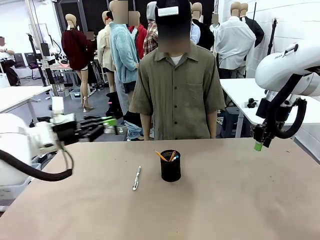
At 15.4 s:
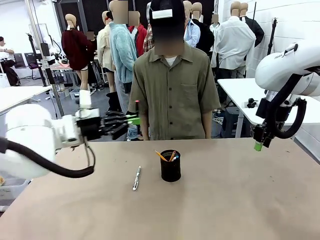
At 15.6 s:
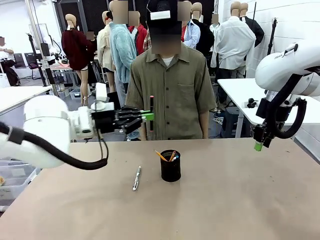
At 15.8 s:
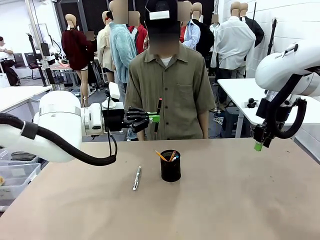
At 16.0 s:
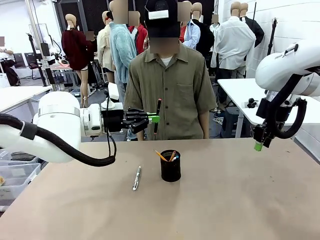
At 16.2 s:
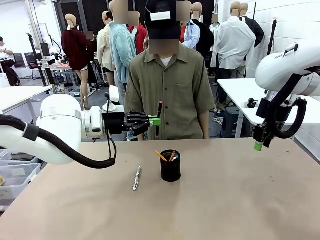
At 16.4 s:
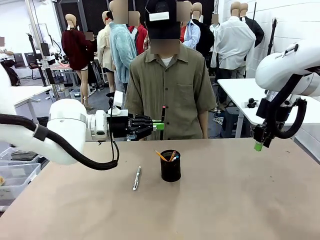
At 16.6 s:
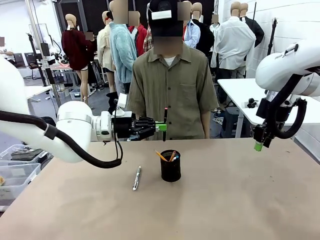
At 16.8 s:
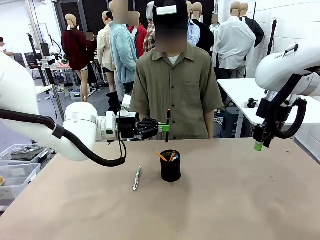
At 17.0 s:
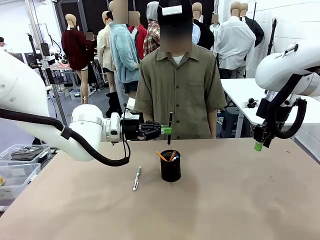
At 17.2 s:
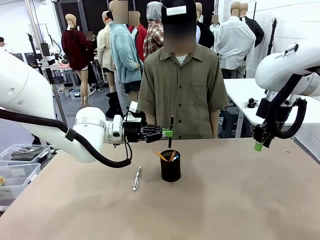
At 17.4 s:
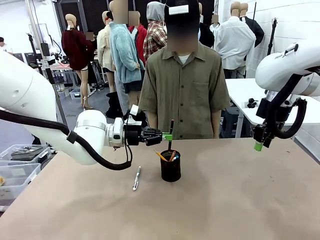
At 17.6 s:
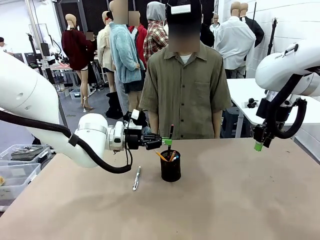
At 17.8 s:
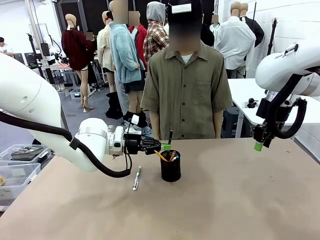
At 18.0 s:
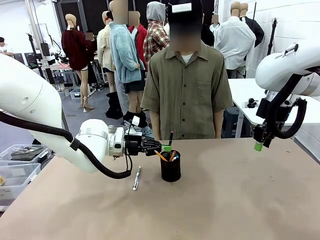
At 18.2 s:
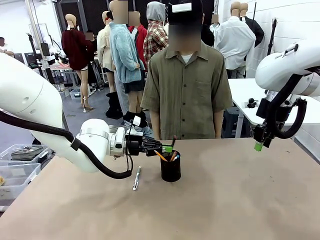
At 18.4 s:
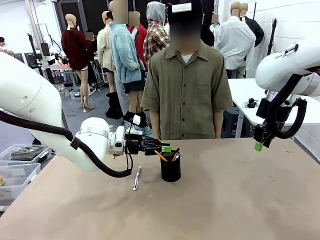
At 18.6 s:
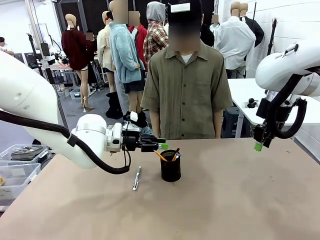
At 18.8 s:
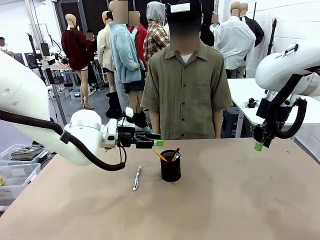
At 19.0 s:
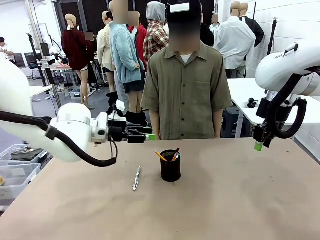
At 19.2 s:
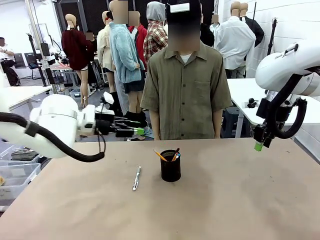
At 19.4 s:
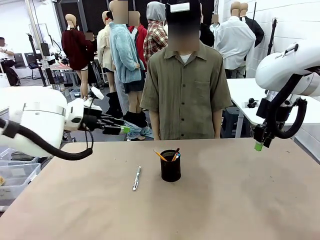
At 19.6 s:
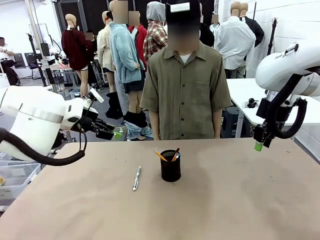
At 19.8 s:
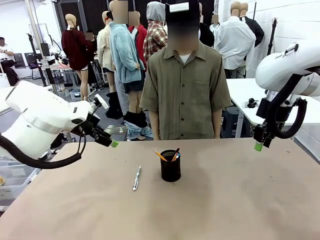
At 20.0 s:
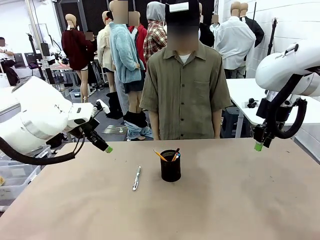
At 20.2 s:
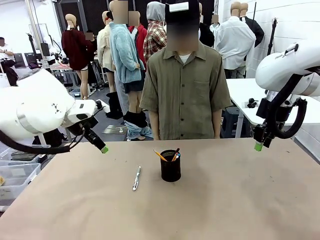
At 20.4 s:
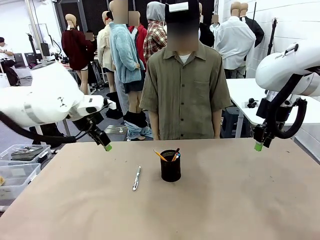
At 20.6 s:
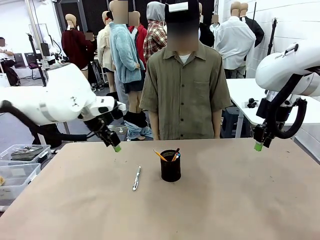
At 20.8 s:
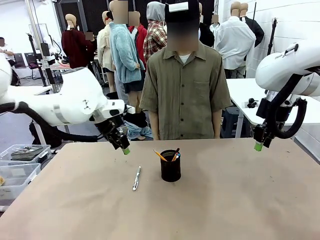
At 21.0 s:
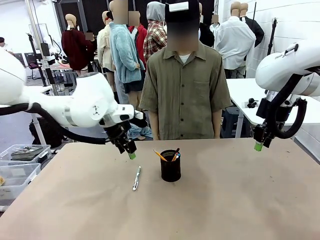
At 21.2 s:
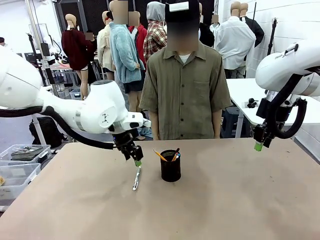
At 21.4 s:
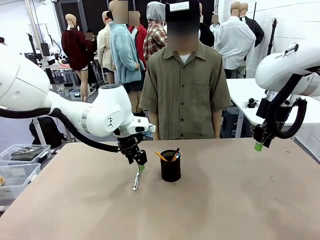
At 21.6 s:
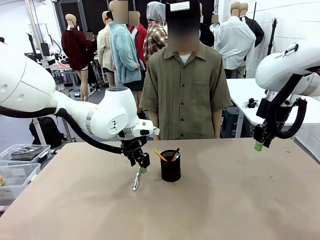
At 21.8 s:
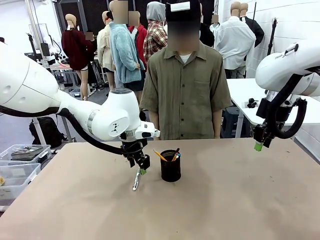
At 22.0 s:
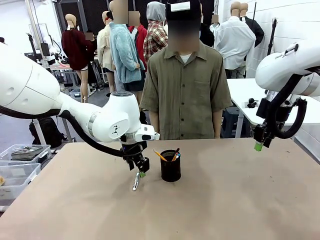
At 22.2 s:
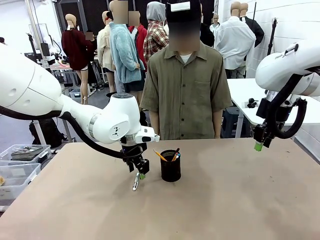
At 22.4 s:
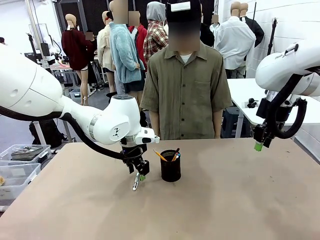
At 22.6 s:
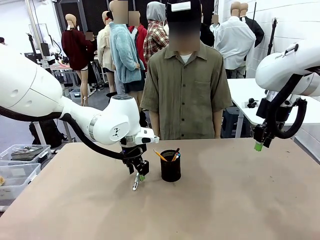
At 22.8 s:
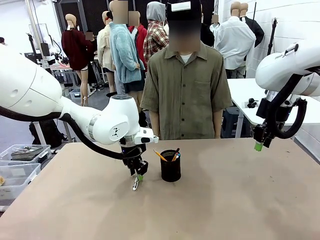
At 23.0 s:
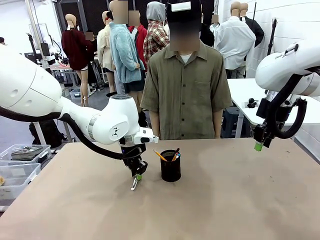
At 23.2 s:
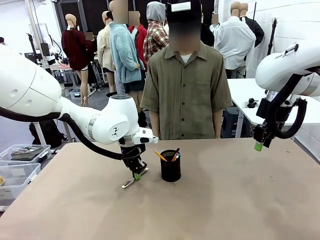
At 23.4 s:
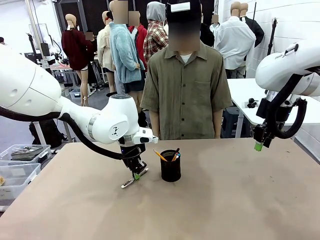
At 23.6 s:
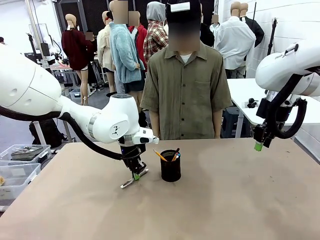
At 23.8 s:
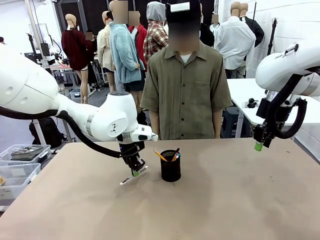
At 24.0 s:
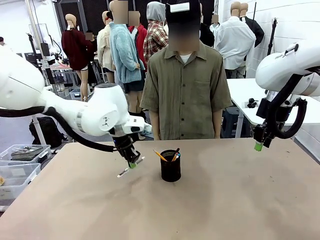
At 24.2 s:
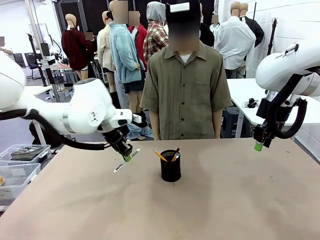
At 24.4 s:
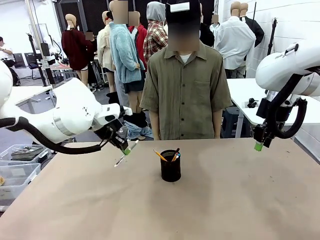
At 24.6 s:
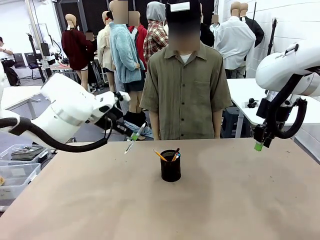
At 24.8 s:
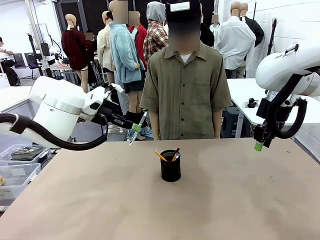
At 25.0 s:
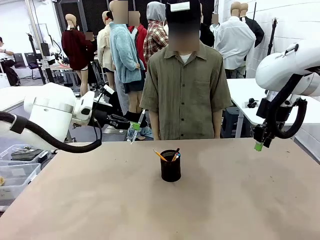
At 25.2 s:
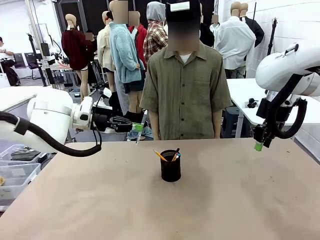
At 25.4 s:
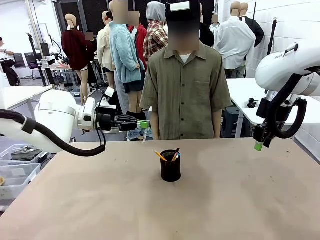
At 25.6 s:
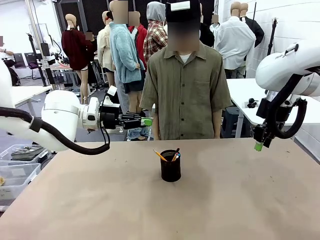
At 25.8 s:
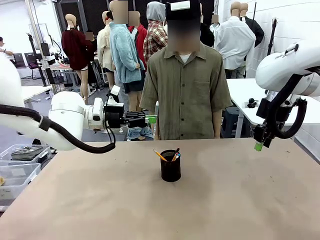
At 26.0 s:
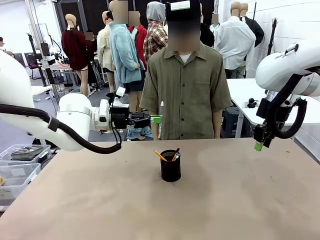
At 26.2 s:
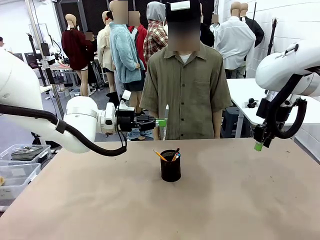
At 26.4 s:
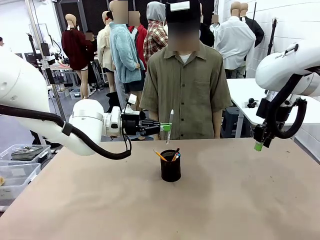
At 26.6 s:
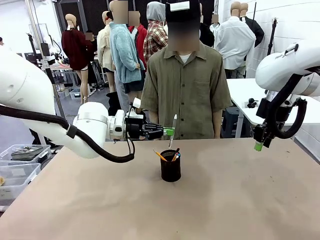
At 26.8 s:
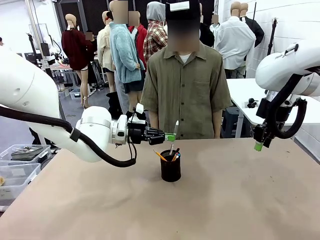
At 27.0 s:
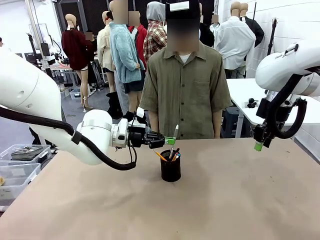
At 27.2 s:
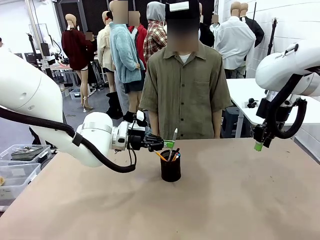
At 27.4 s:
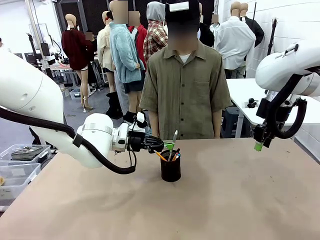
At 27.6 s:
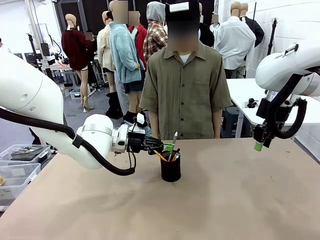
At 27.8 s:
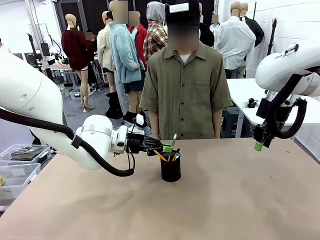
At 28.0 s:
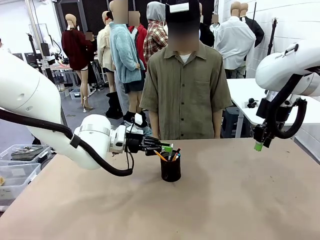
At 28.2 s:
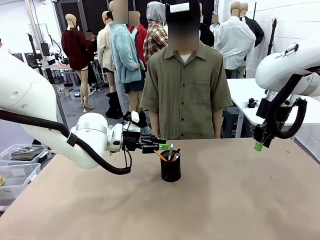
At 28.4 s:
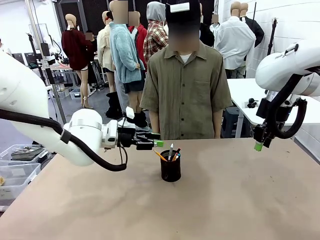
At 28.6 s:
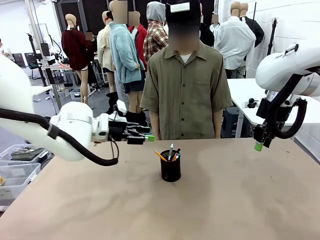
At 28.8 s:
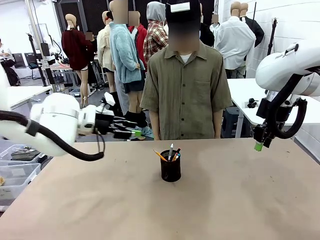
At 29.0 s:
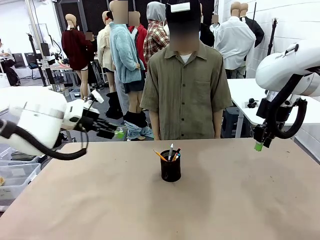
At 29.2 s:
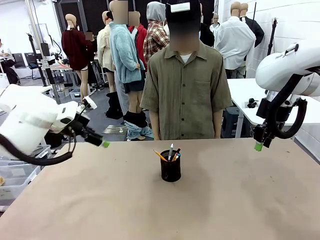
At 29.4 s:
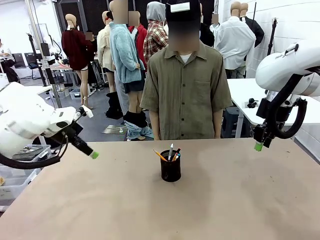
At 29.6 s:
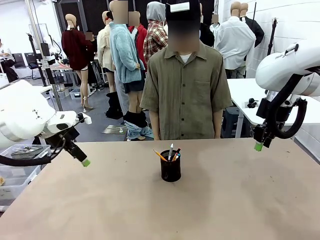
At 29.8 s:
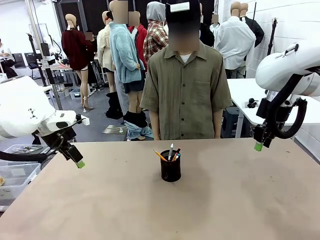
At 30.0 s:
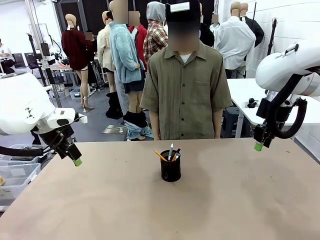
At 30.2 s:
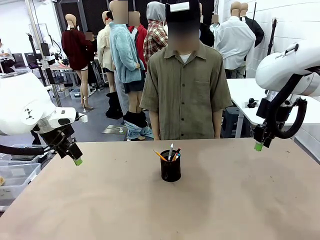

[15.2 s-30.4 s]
Task: Place the pens into the pen holder.
Robot: Pick up a writing instrument from the table and place it into the Pen holder.
Person: Place all writing instrument into the Pen holder.
